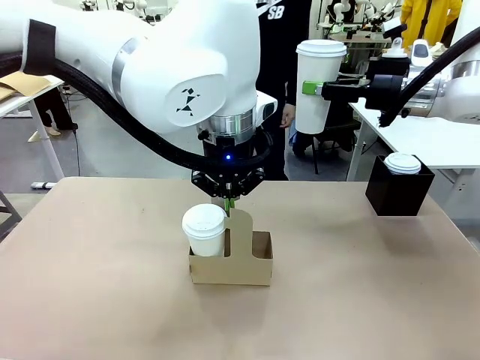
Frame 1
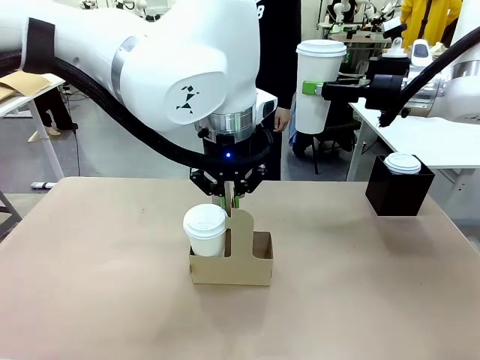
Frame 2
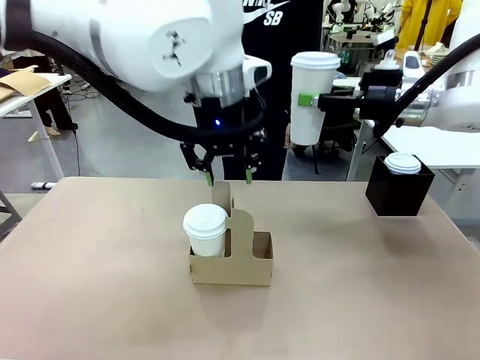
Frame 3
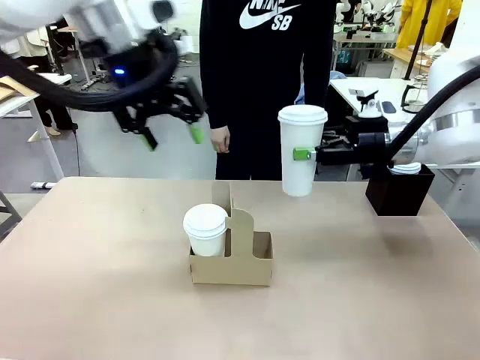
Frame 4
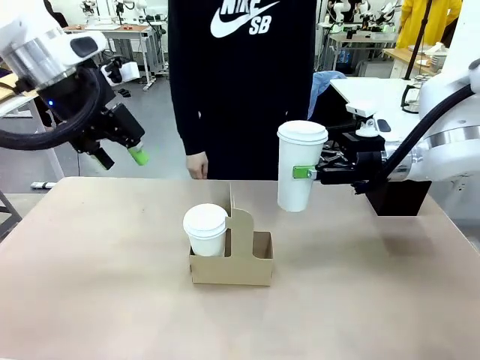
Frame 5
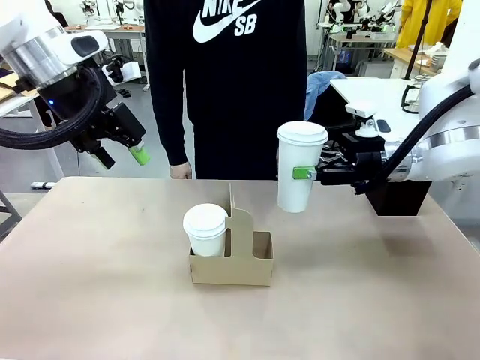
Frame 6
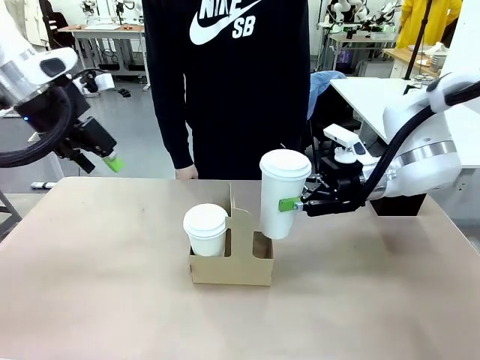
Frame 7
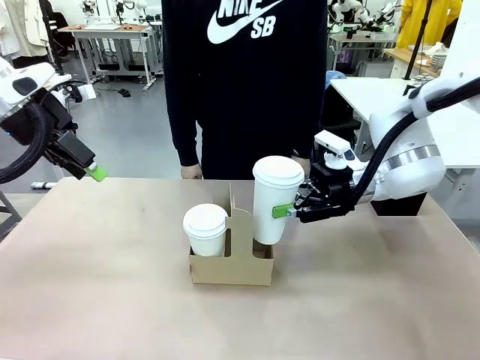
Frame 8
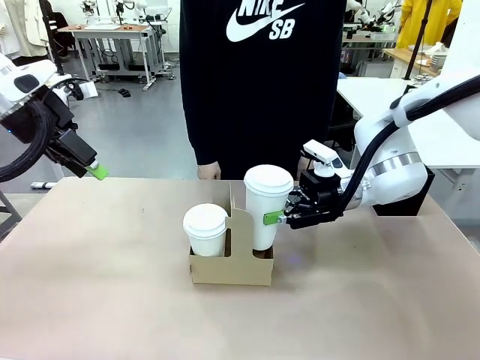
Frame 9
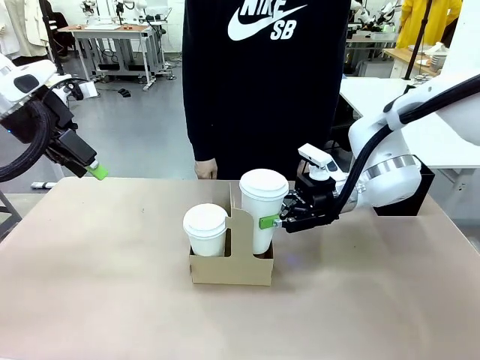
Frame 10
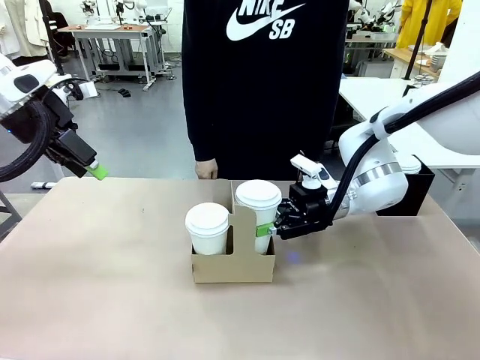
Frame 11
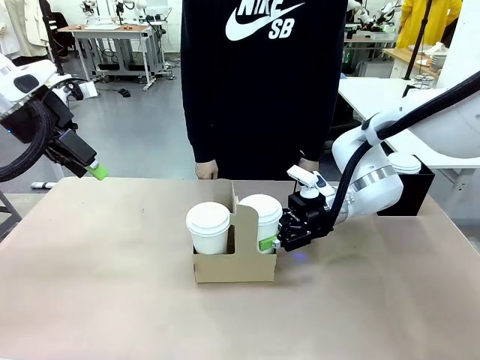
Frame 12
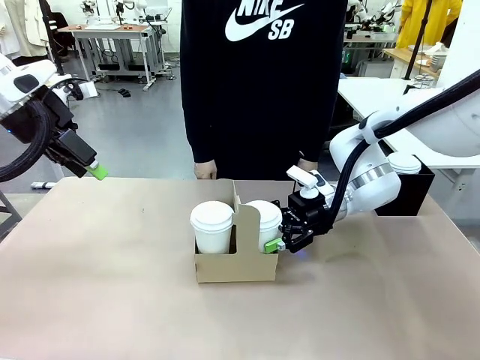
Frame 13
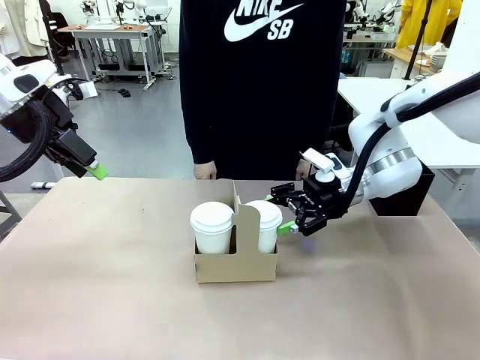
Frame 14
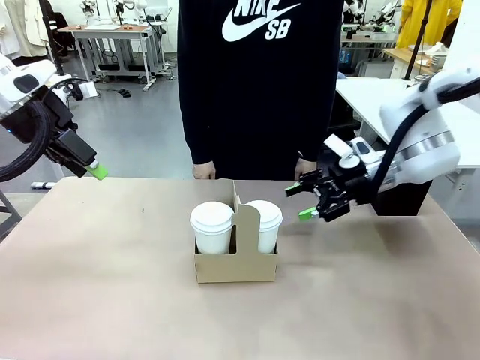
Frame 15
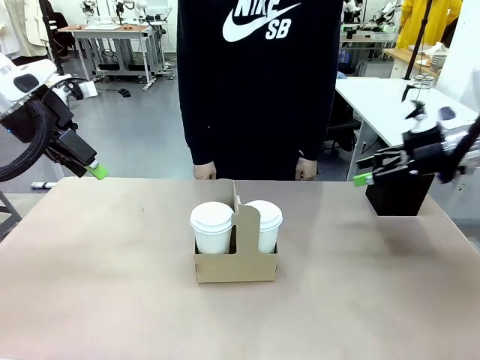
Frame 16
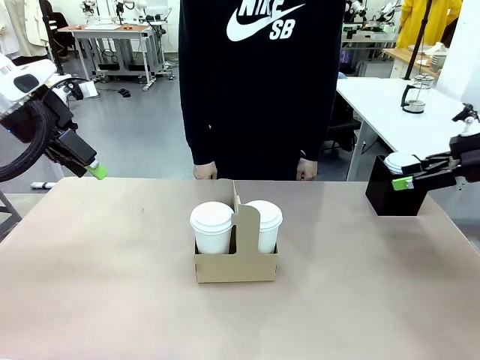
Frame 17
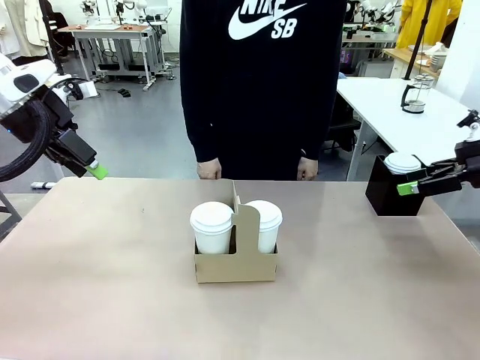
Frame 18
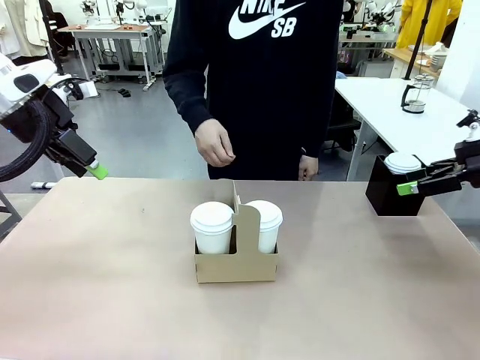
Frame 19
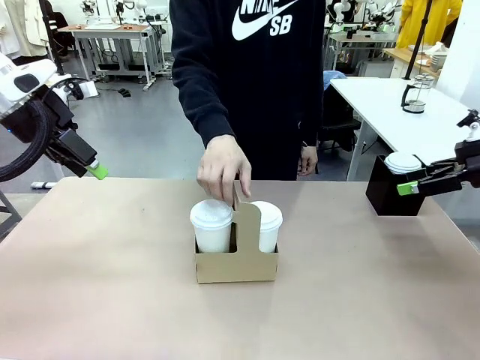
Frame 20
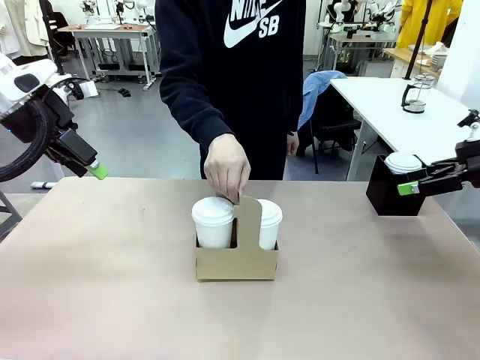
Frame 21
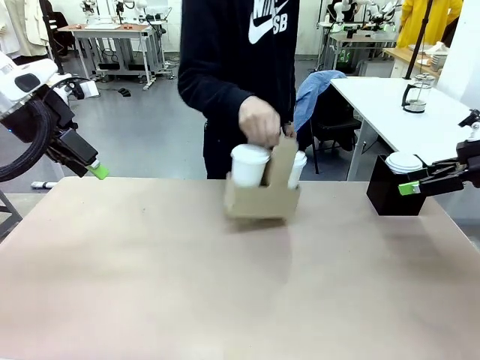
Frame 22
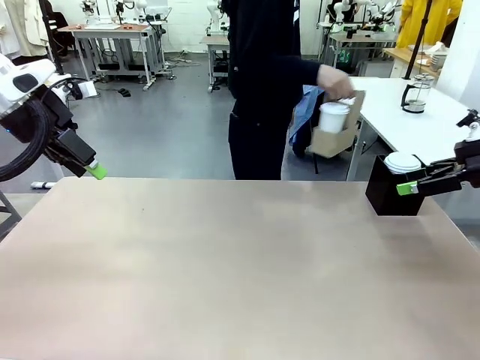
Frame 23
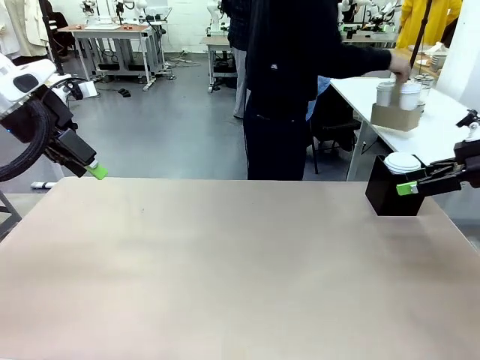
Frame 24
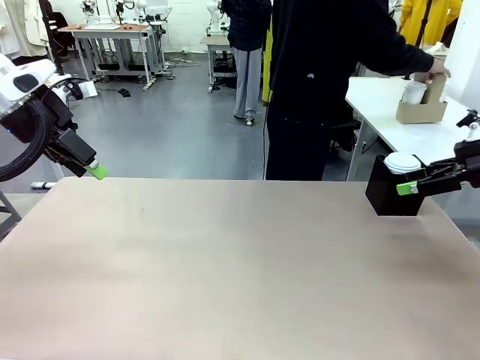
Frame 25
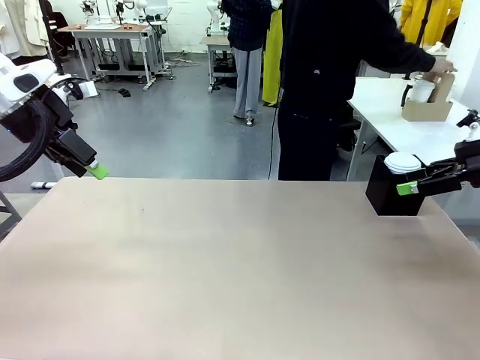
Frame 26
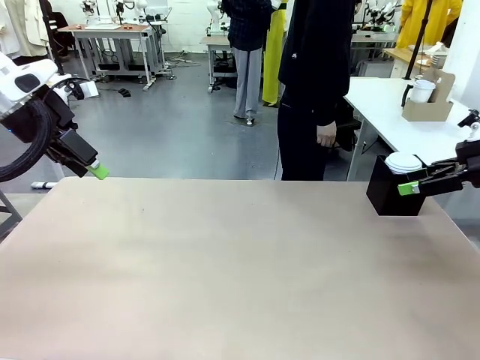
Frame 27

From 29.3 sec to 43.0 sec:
Task: Pour a drink into a cup and package it in a carrier.
Robot: Insert the held 600 ml Paper Cup into the Cup Carrier.
Person: Place the Cup Carrier to the middle of Human table.

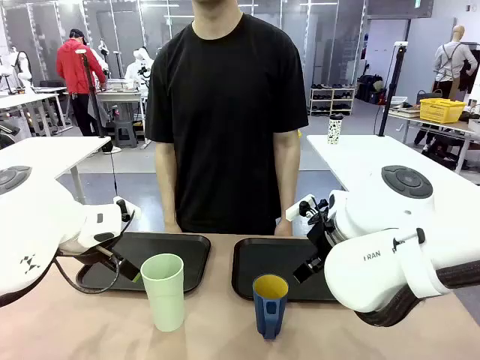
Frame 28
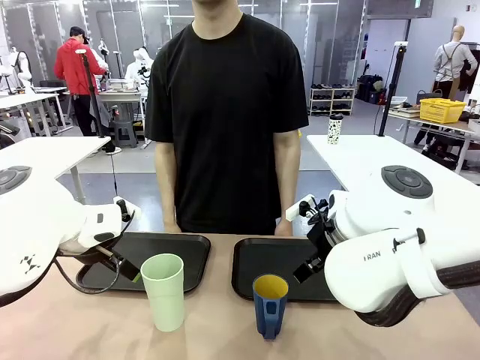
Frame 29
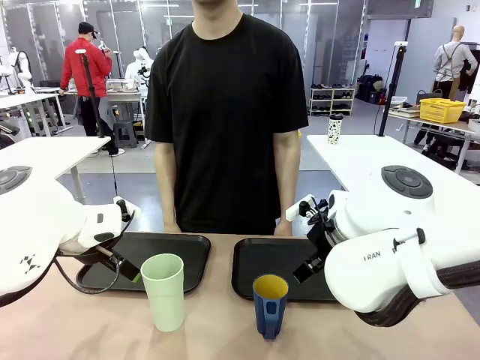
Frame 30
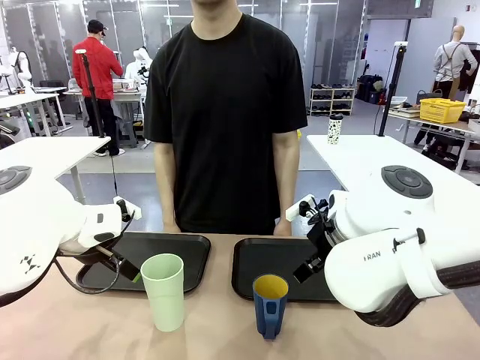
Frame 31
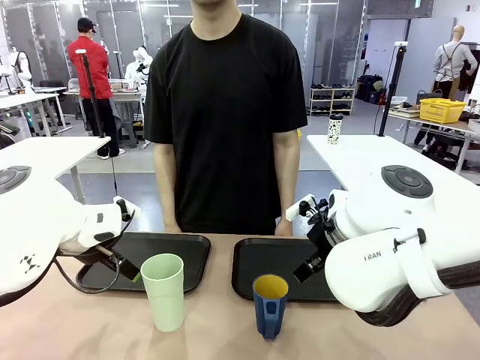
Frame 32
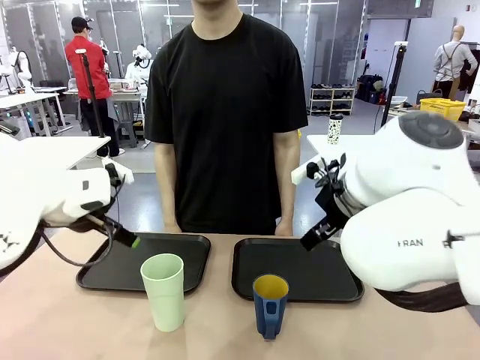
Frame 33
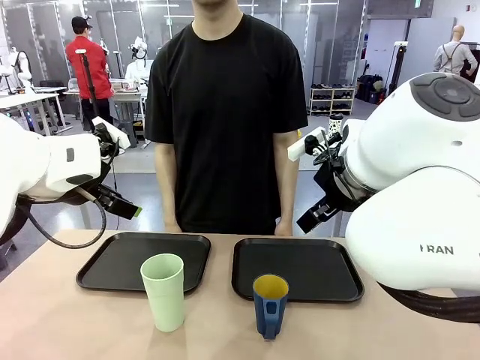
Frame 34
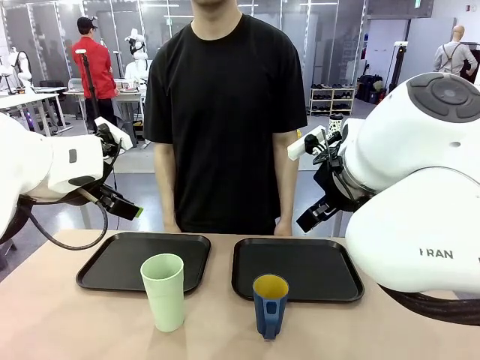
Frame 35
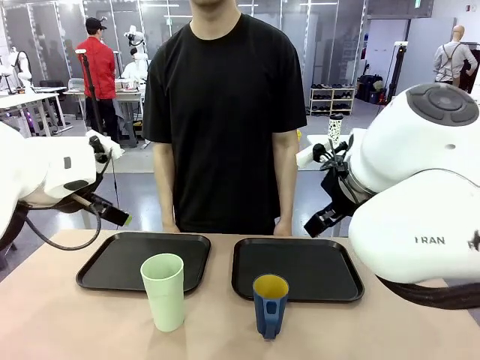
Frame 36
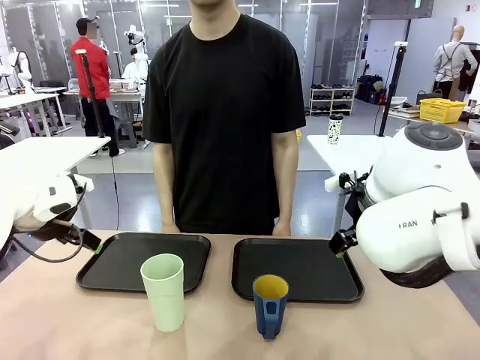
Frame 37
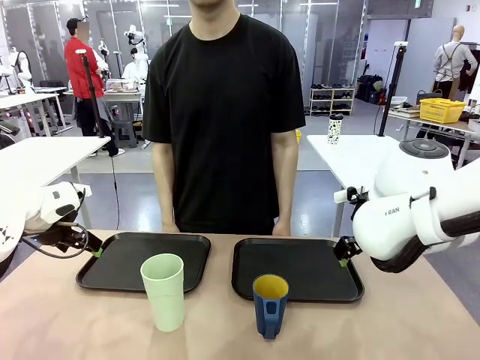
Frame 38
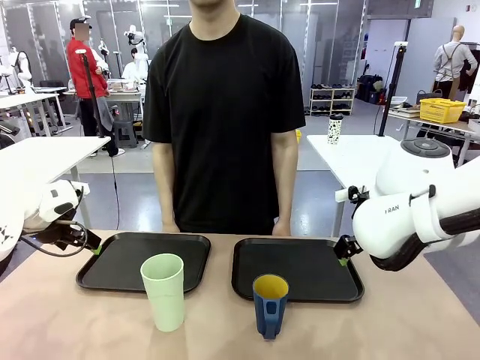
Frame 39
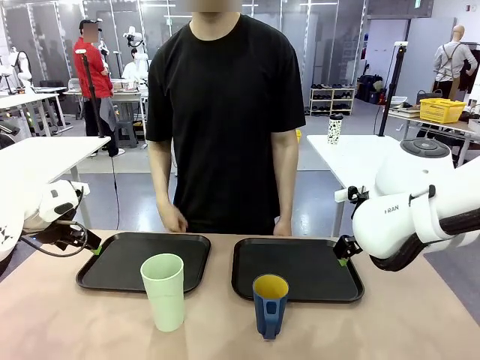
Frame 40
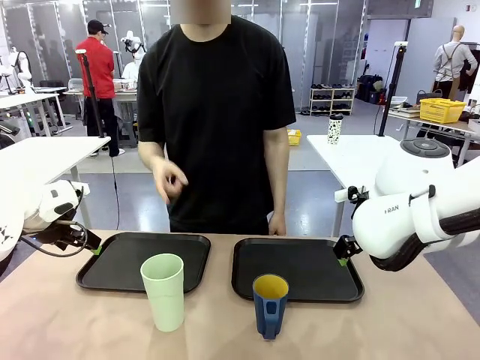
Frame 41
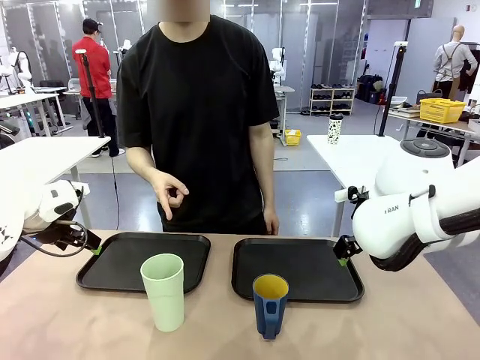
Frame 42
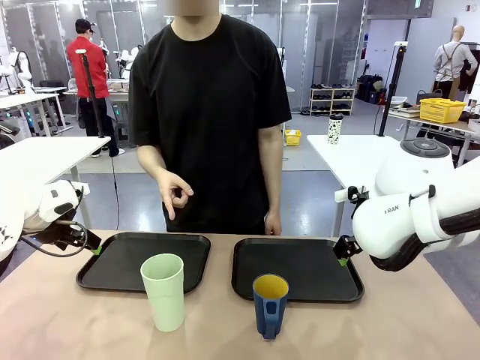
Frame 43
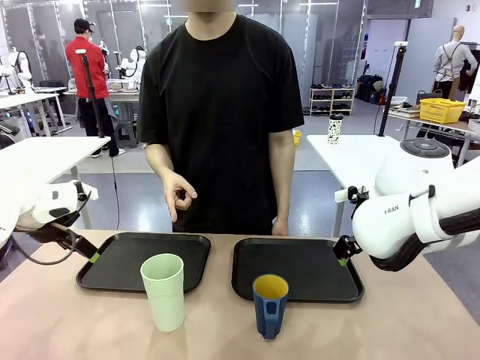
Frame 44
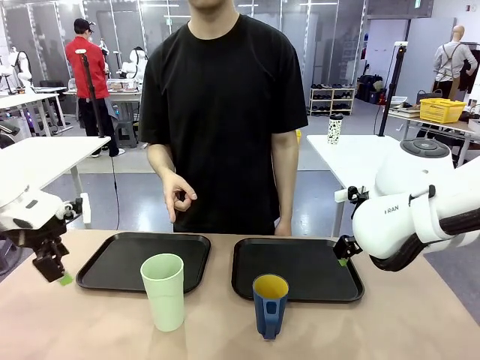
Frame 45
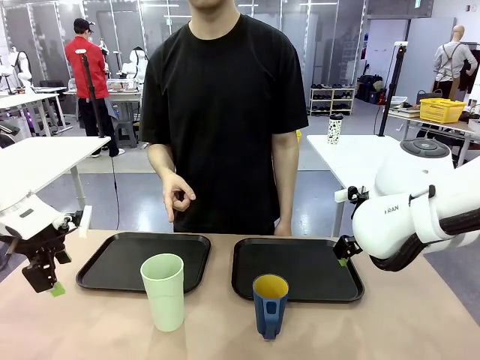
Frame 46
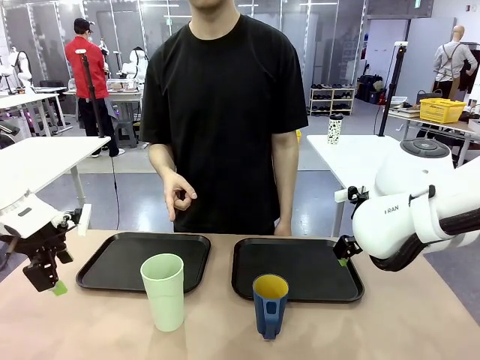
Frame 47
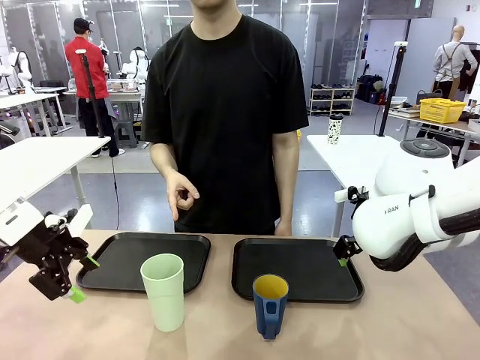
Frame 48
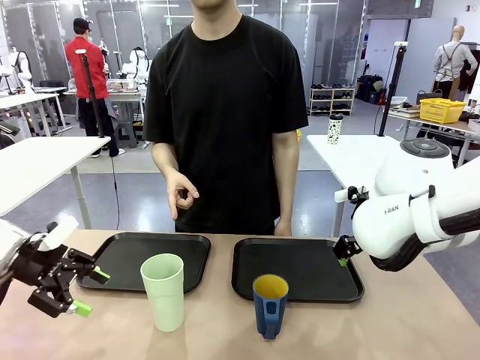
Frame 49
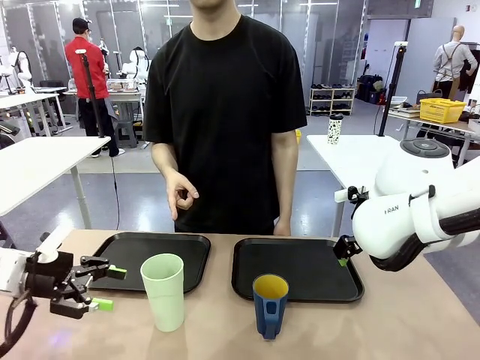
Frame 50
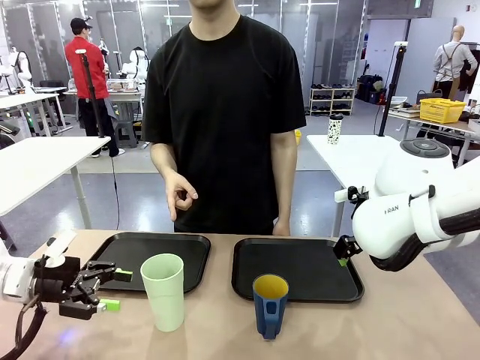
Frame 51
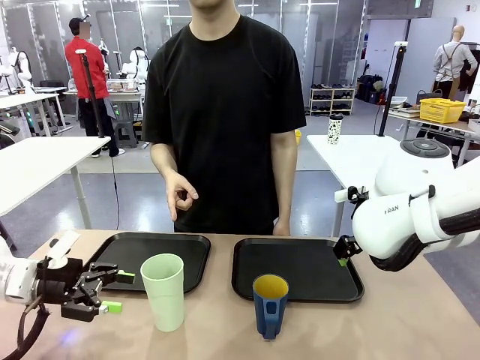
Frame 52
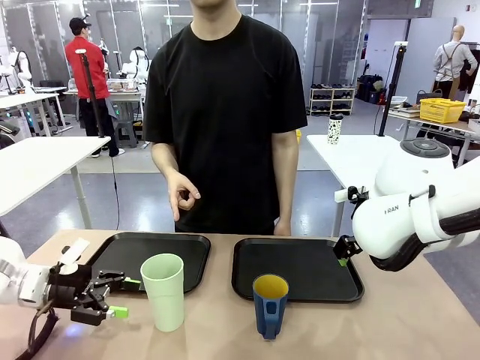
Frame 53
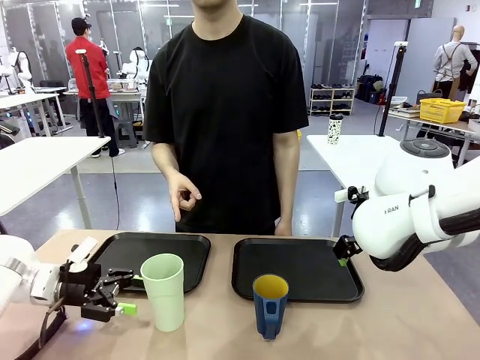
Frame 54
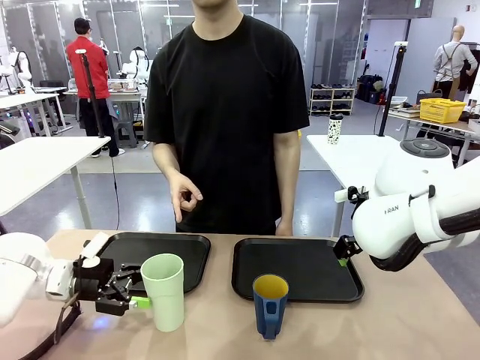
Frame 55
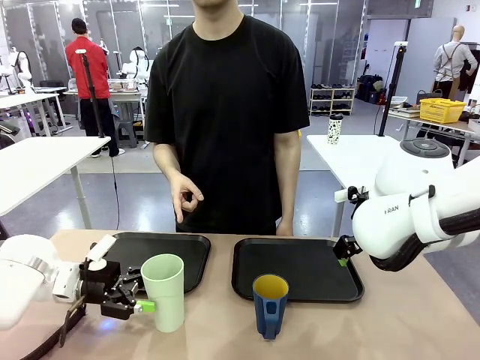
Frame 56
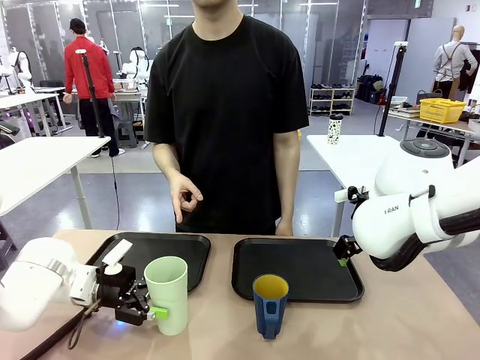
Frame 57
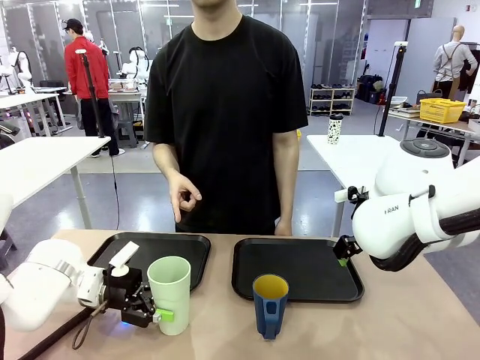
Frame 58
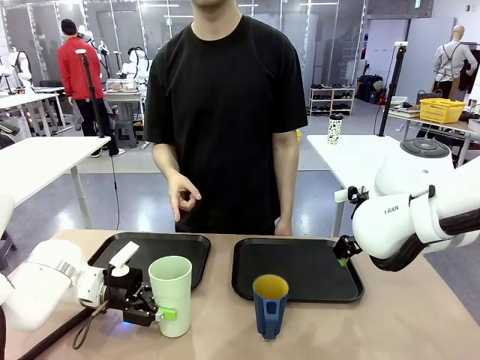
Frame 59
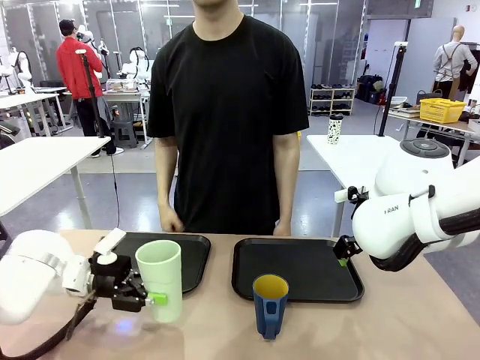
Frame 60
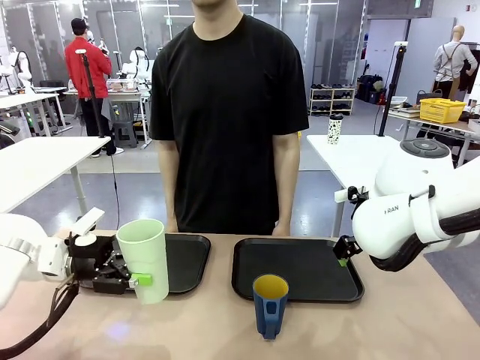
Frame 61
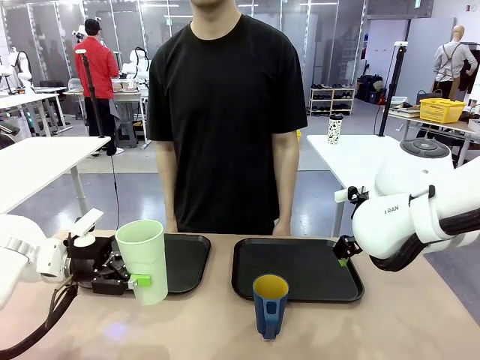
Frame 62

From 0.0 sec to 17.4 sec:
Task: Sort and store the cups by type.
Robot: Pick up the Reusable plastic cup.
Person: Points to the reusable cup. Point to one of the two trays.
